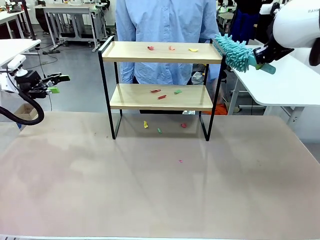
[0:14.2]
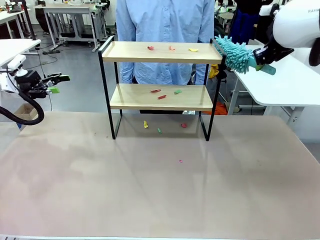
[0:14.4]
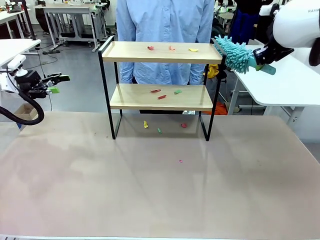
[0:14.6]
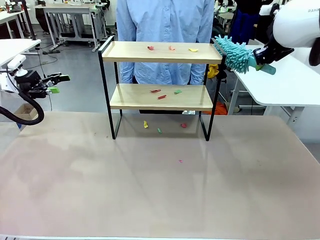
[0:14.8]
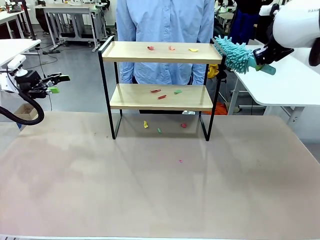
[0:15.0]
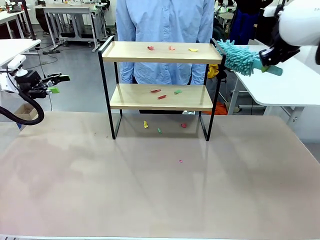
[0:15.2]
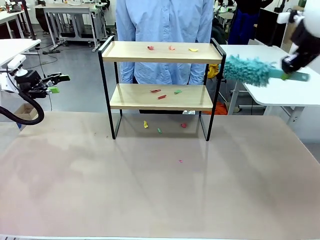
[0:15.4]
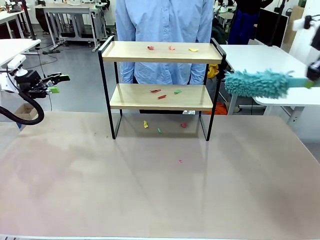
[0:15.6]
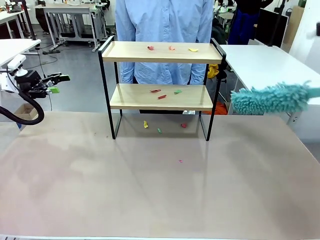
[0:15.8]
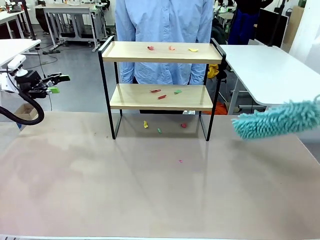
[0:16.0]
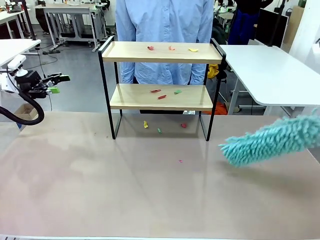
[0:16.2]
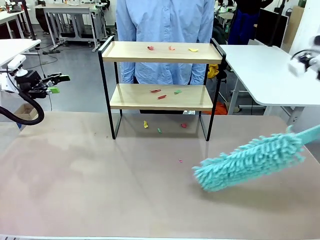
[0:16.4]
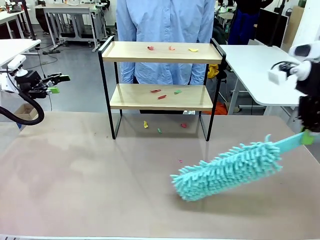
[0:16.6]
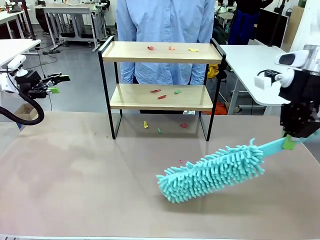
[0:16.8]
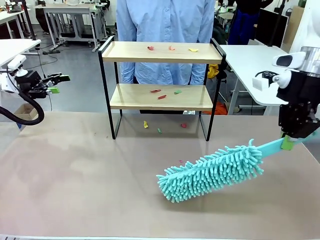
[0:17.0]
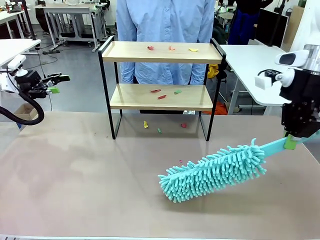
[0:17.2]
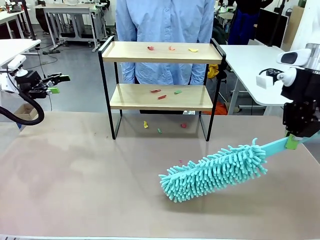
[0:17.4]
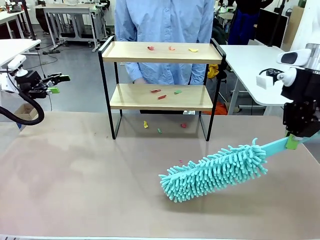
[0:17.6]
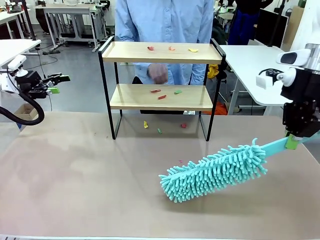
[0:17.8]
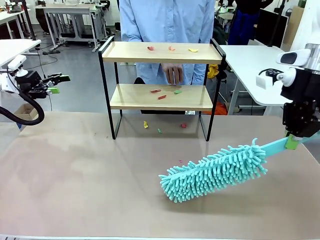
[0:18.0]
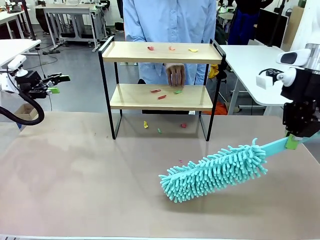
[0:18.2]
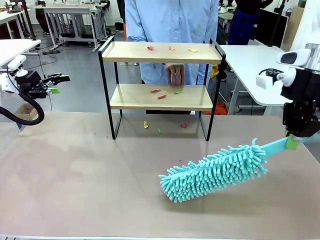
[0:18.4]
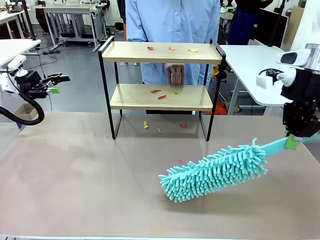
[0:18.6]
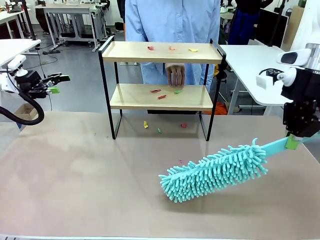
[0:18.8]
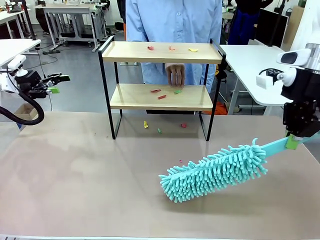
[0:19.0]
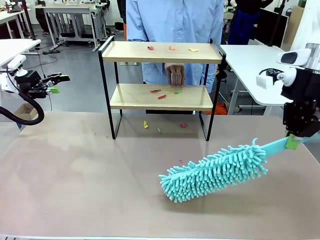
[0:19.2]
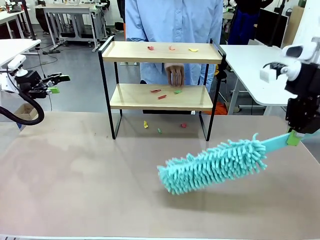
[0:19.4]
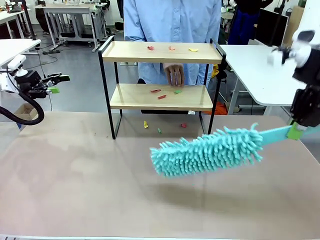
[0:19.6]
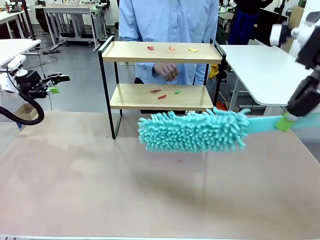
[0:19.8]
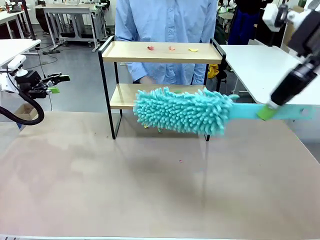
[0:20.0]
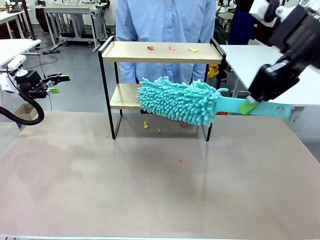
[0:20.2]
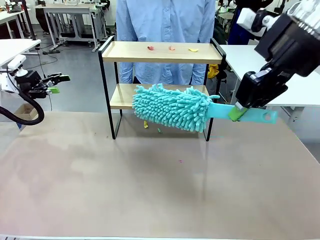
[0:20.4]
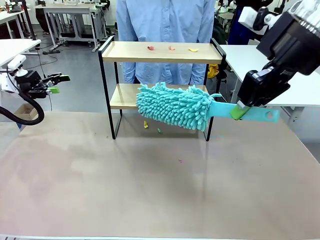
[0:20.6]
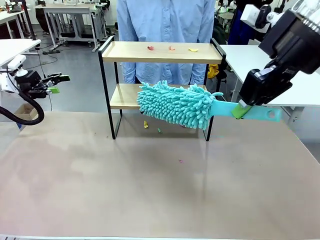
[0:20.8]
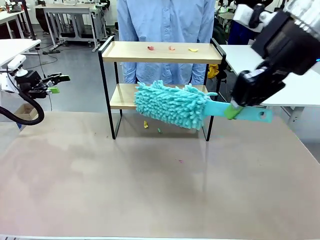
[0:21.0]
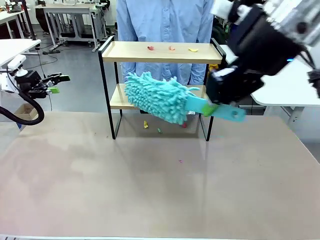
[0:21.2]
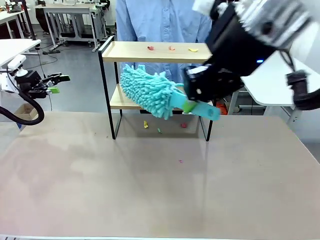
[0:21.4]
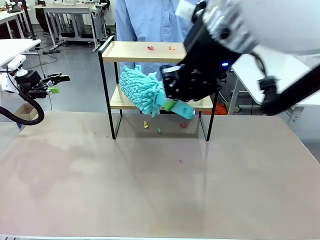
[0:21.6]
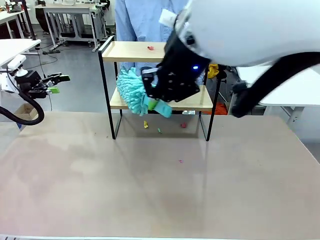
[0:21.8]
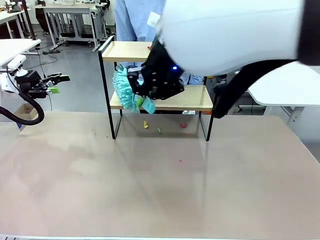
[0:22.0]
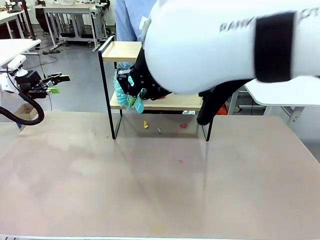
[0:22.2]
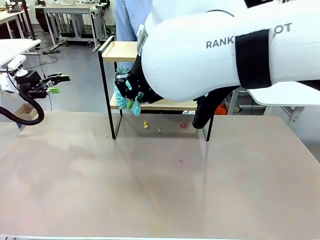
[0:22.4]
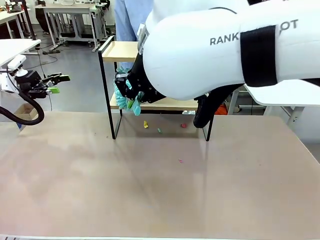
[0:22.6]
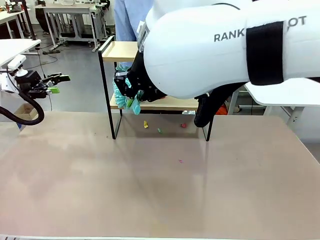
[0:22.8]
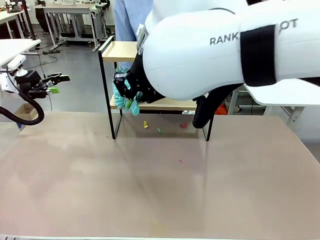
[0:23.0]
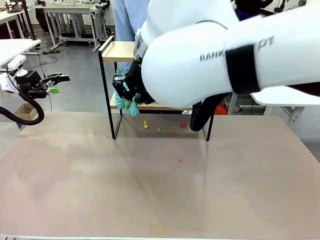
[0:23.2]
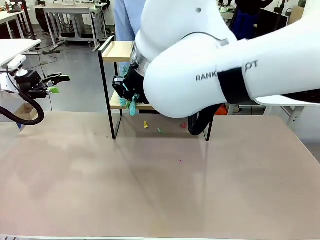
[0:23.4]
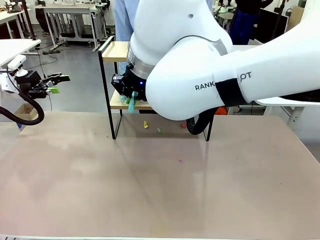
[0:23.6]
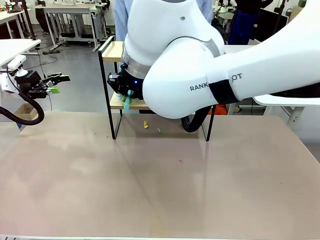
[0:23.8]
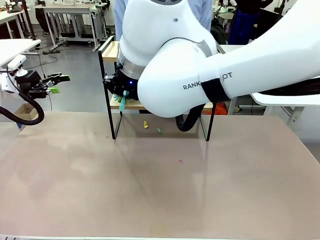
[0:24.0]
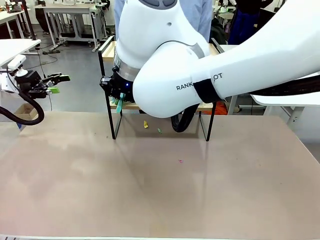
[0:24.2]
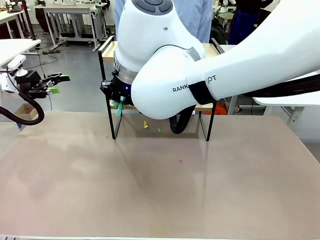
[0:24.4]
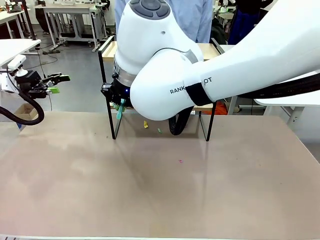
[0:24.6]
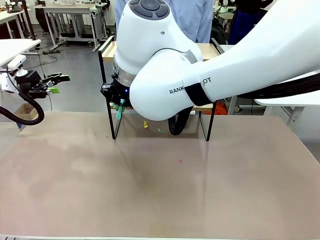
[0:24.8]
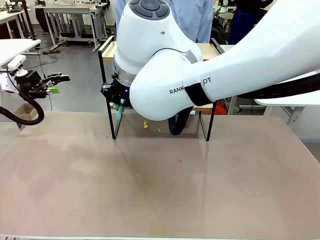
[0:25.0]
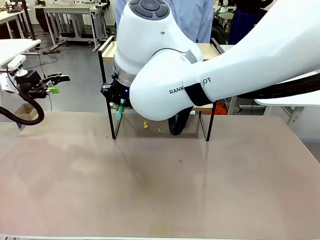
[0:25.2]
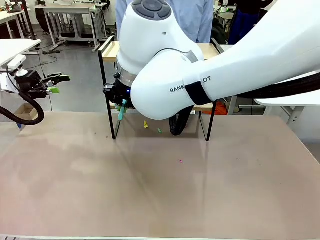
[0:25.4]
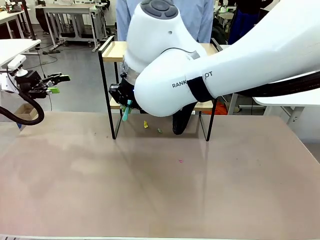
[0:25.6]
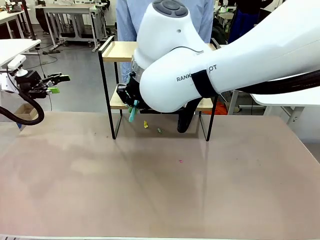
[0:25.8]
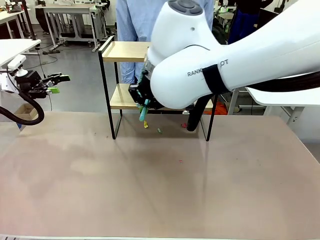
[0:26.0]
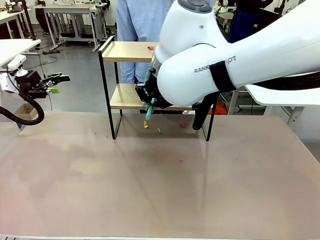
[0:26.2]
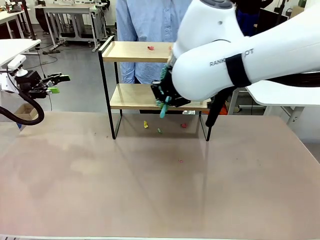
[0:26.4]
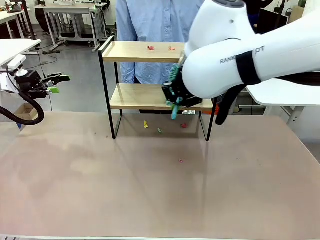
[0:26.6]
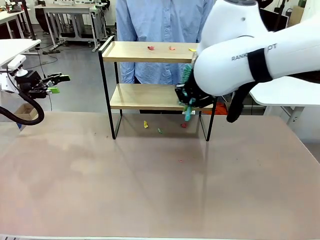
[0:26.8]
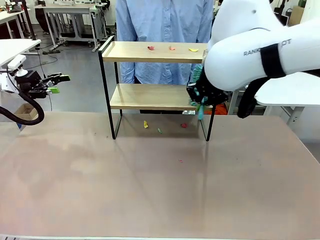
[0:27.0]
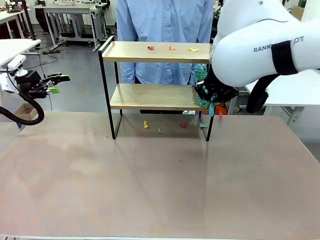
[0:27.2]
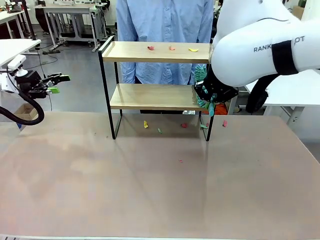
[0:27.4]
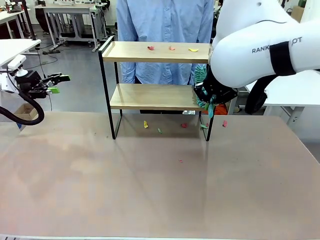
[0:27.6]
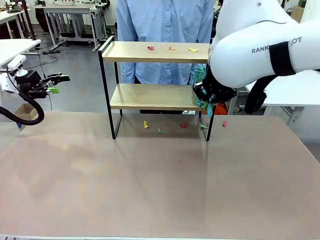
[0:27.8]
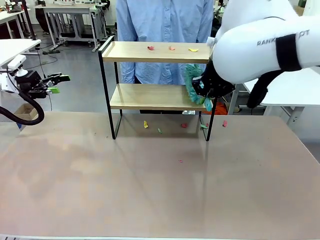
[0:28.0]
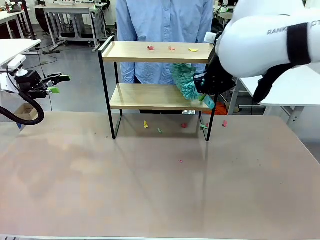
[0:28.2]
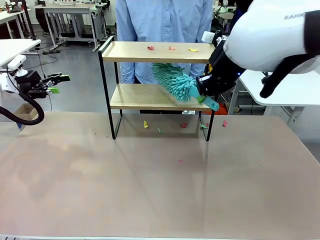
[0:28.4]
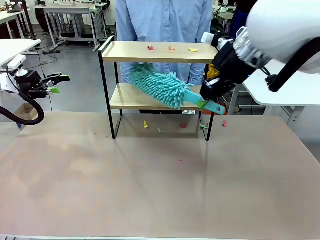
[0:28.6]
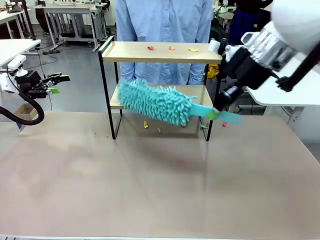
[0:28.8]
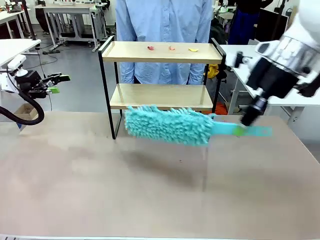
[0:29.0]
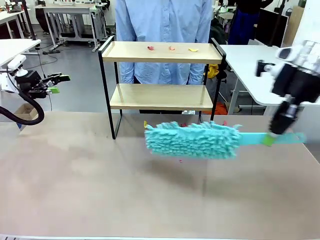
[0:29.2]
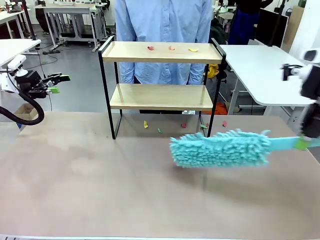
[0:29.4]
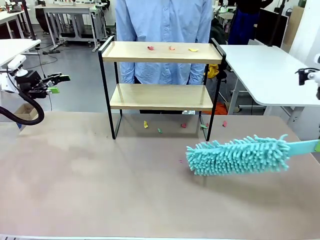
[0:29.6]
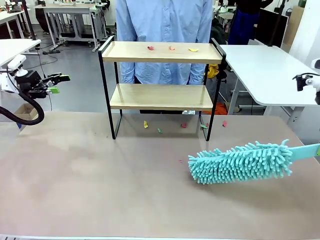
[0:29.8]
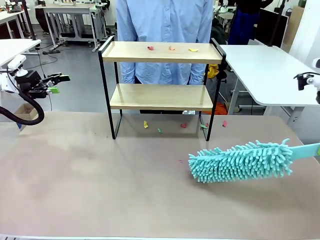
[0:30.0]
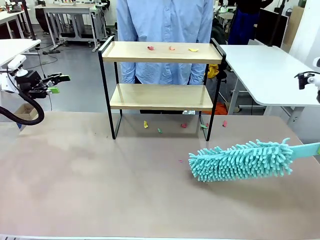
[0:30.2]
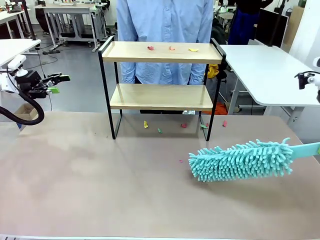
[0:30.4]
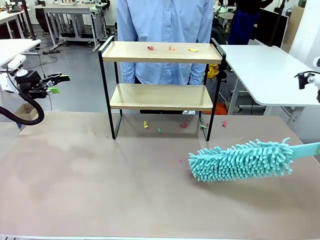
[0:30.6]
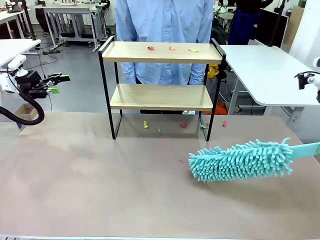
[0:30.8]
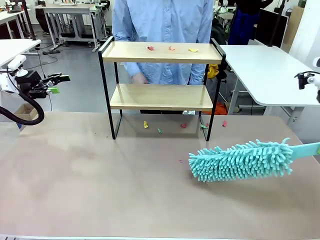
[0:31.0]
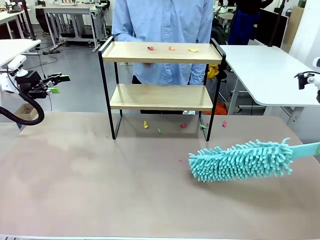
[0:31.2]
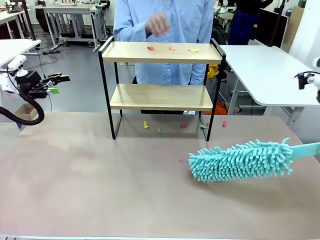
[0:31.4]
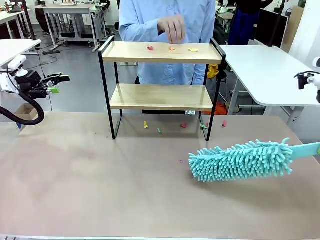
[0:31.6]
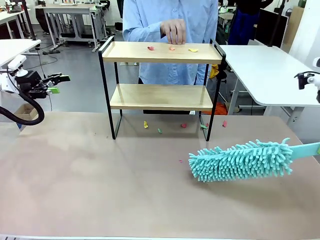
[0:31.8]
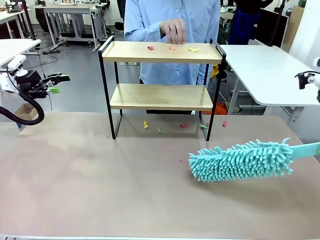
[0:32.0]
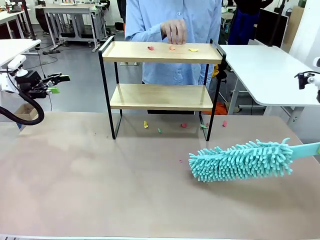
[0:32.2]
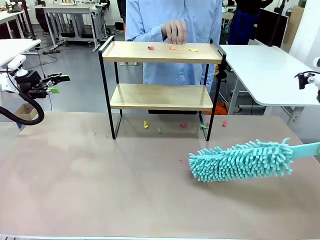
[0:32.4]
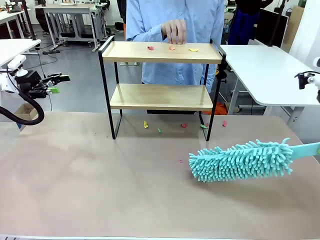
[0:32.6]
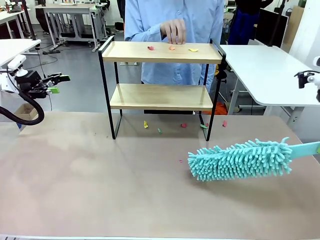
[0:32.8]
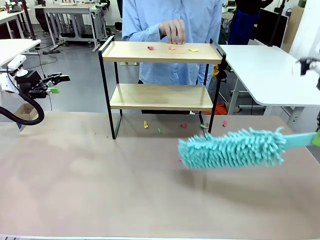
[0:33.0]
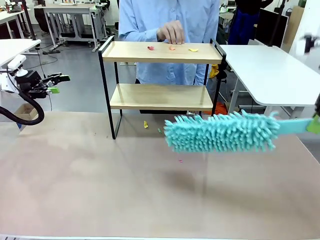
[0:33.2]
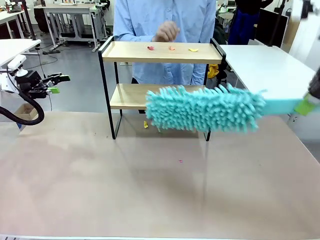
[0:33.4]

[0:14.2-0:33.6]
Task: Clean the shelf.
Robot: Clean the specific section of the Shelf indicated by the human with the Duster.
Person: Point a random section of the Shelf.
